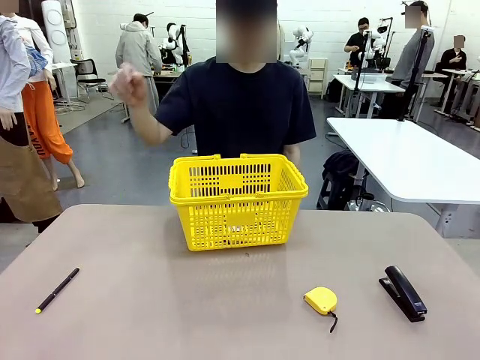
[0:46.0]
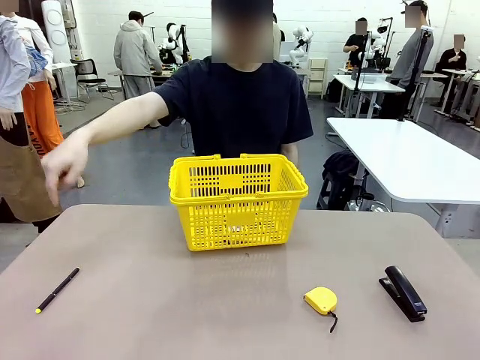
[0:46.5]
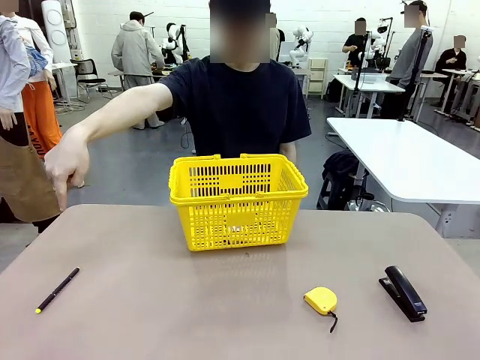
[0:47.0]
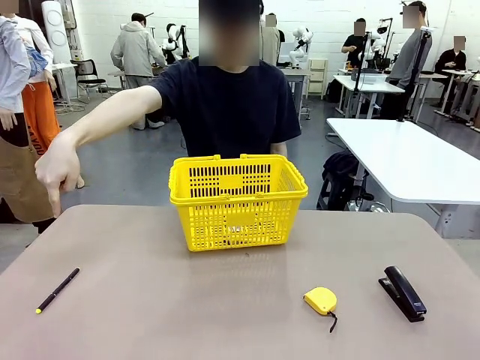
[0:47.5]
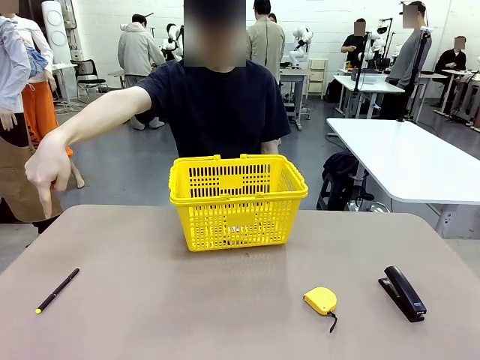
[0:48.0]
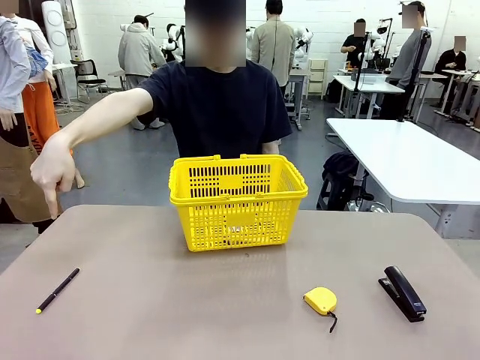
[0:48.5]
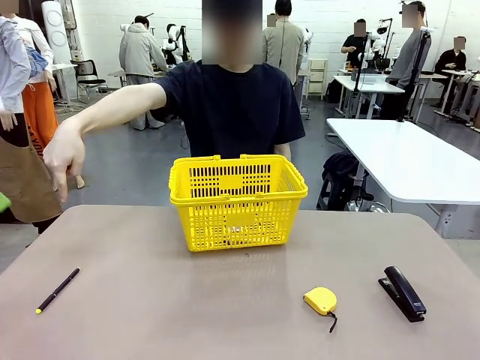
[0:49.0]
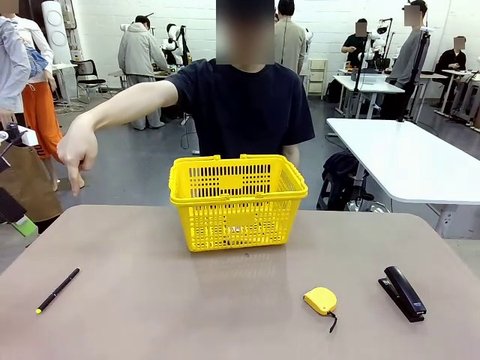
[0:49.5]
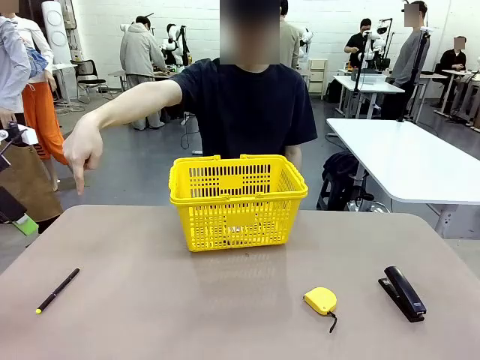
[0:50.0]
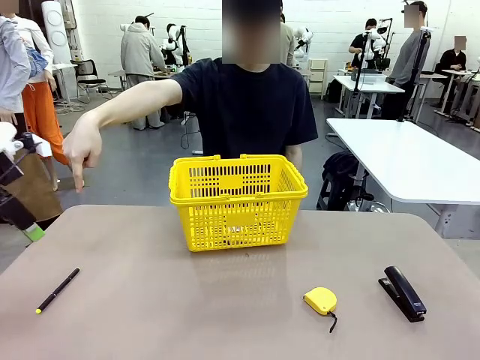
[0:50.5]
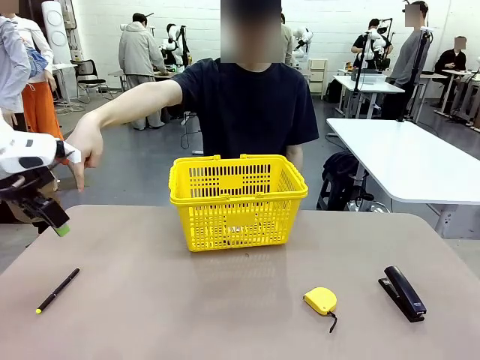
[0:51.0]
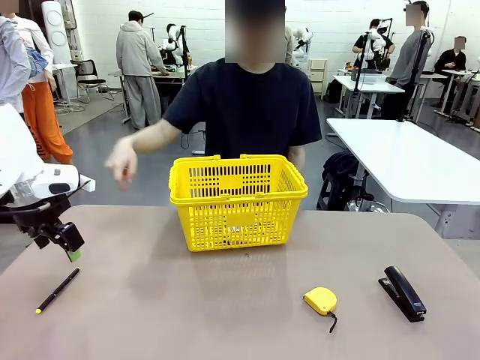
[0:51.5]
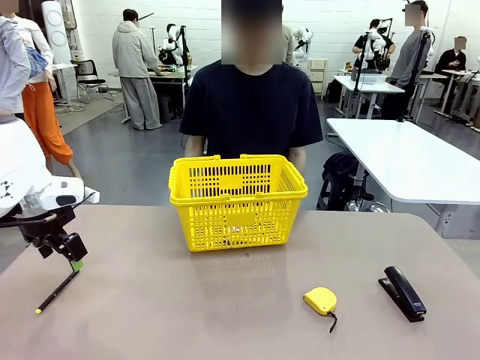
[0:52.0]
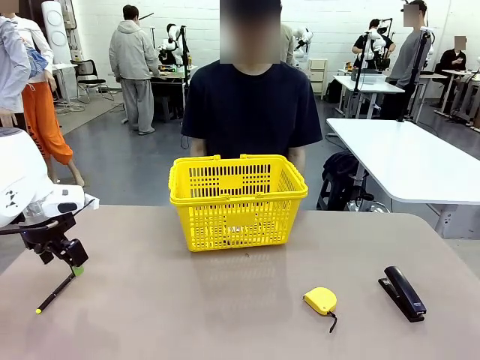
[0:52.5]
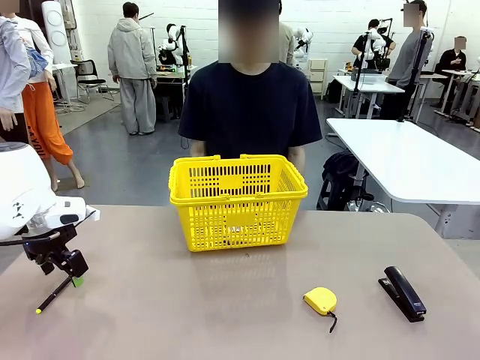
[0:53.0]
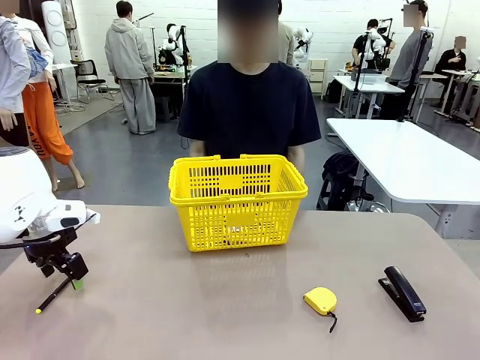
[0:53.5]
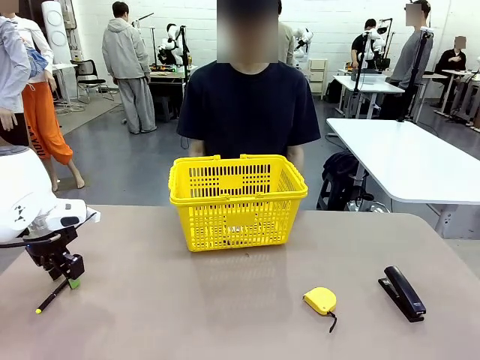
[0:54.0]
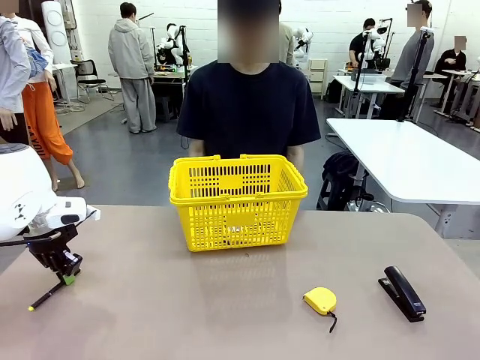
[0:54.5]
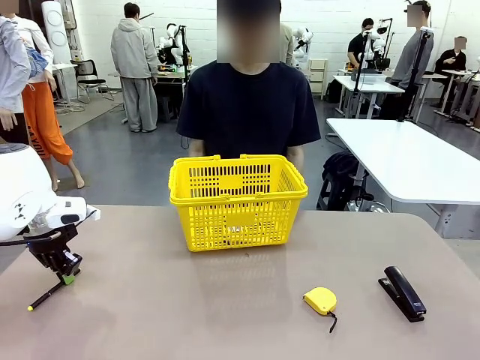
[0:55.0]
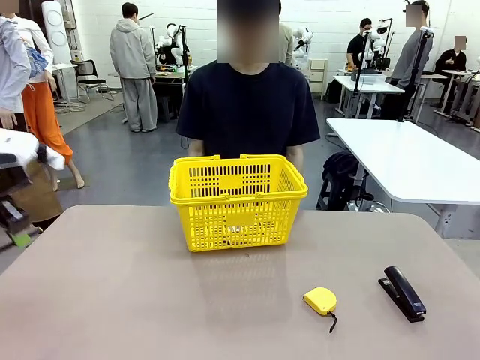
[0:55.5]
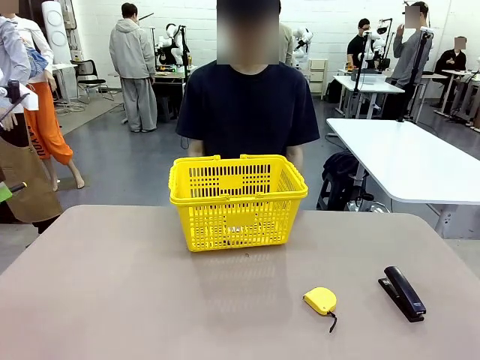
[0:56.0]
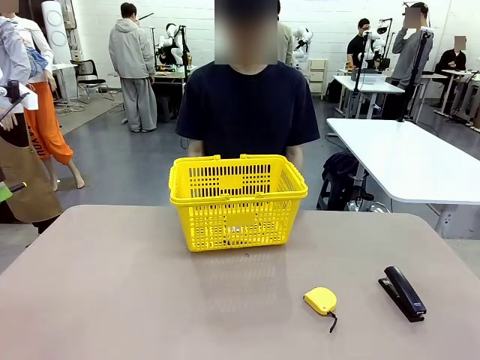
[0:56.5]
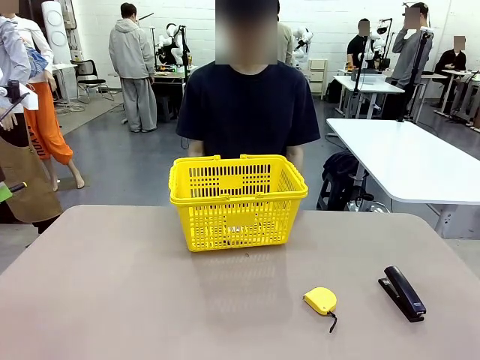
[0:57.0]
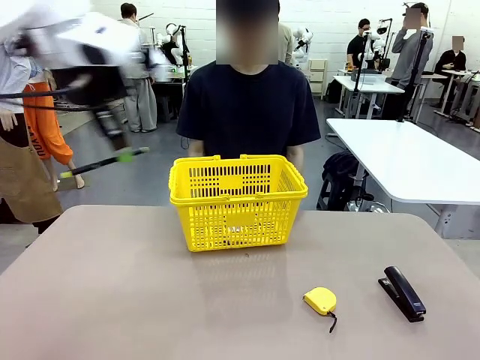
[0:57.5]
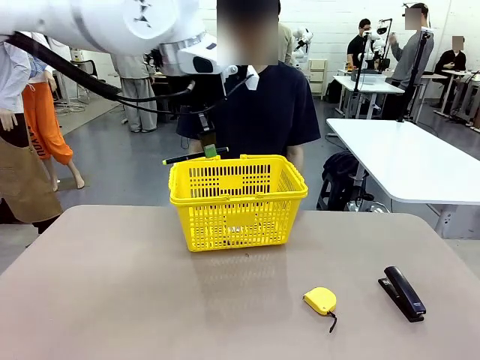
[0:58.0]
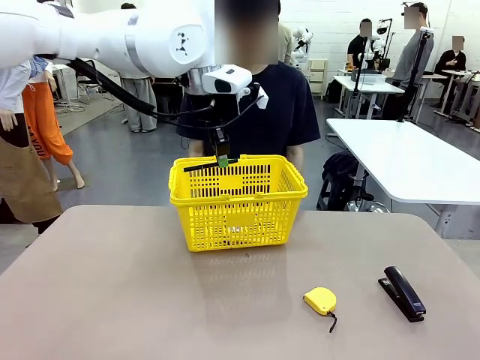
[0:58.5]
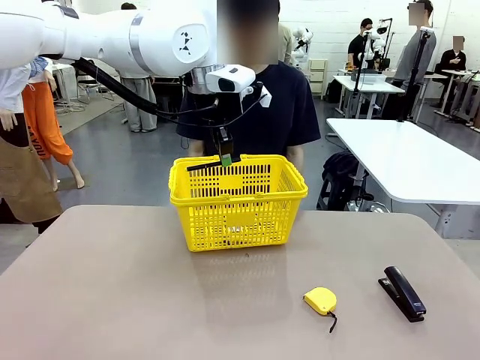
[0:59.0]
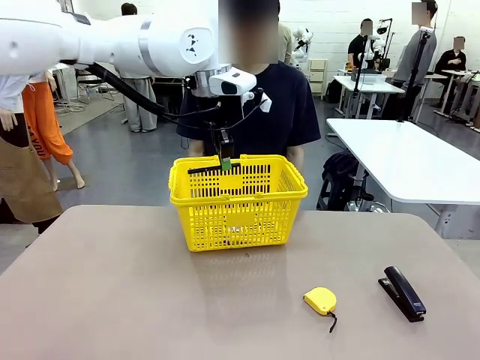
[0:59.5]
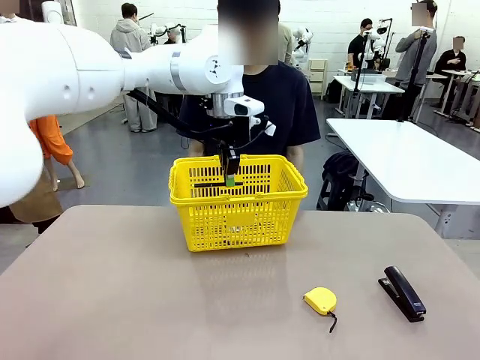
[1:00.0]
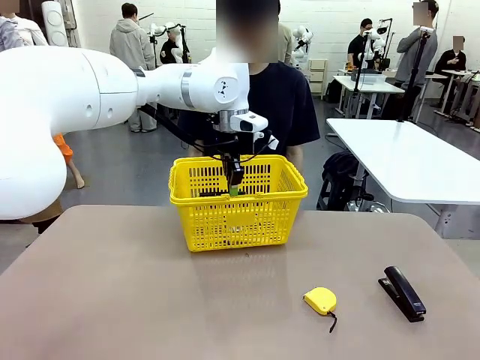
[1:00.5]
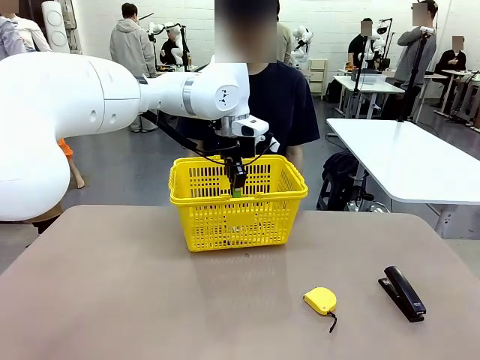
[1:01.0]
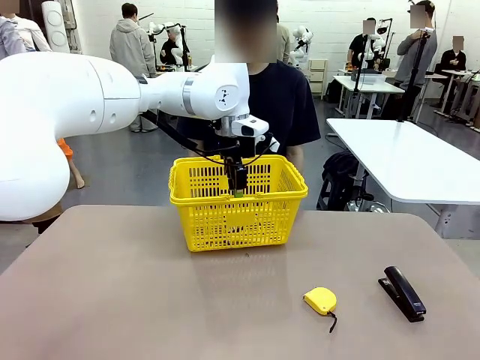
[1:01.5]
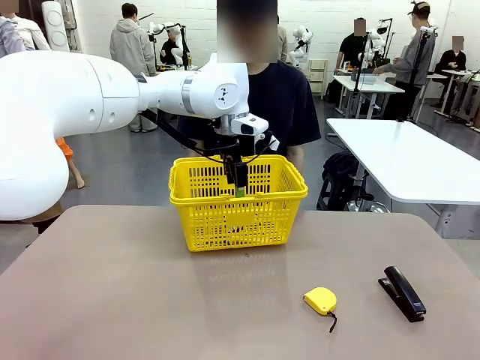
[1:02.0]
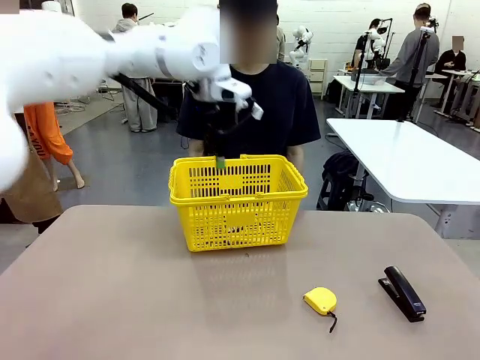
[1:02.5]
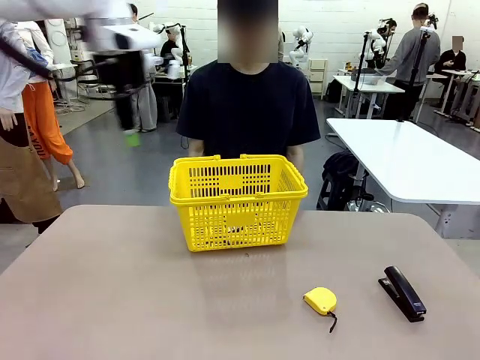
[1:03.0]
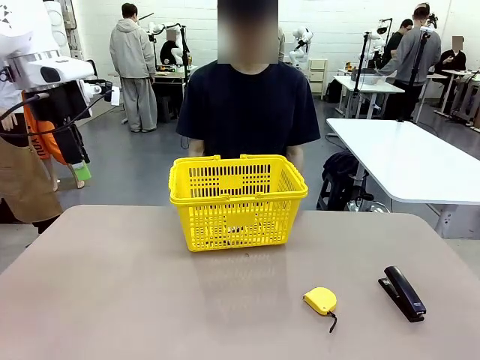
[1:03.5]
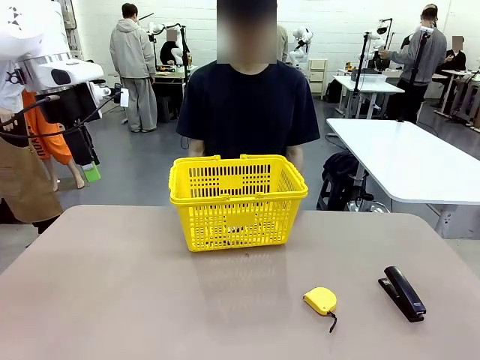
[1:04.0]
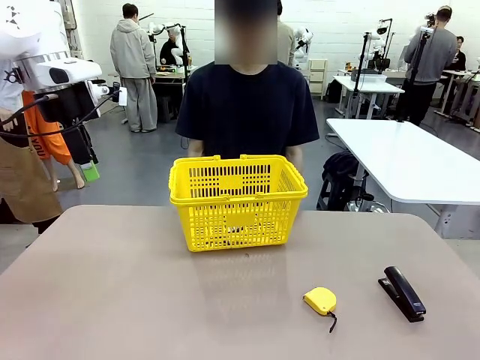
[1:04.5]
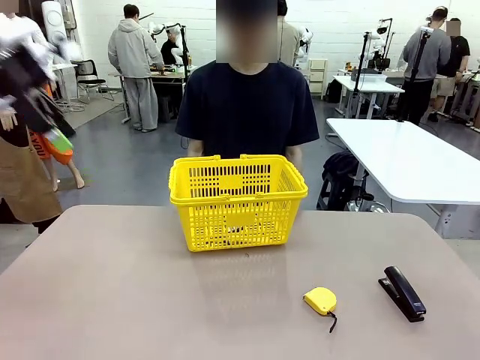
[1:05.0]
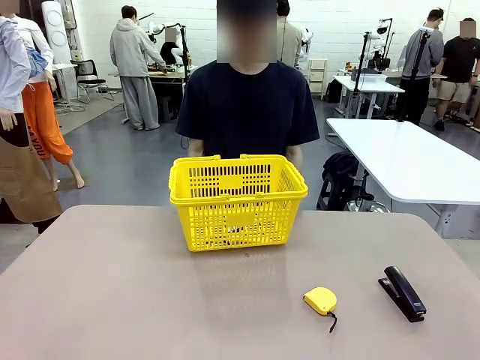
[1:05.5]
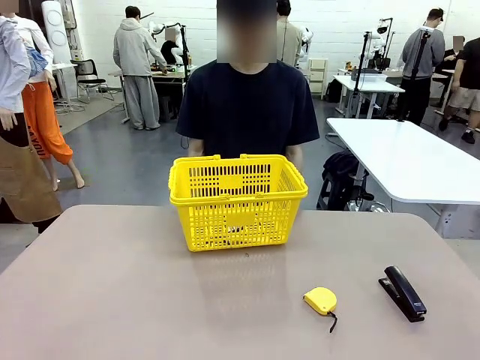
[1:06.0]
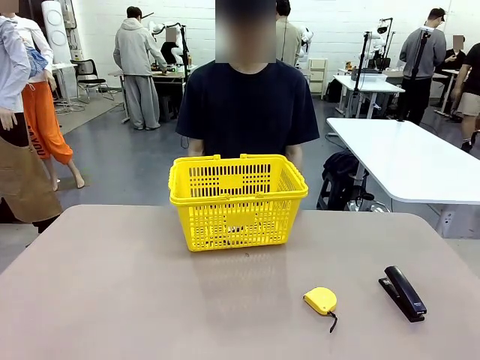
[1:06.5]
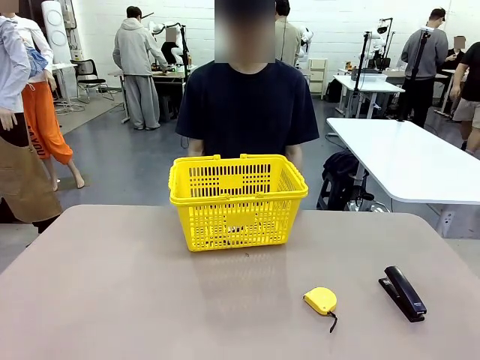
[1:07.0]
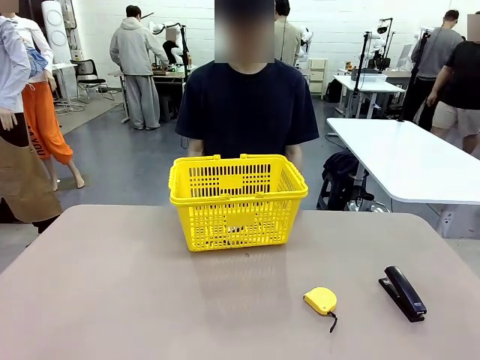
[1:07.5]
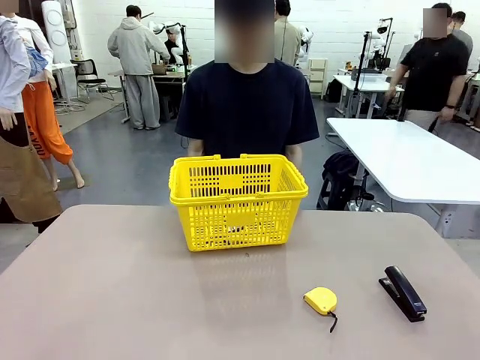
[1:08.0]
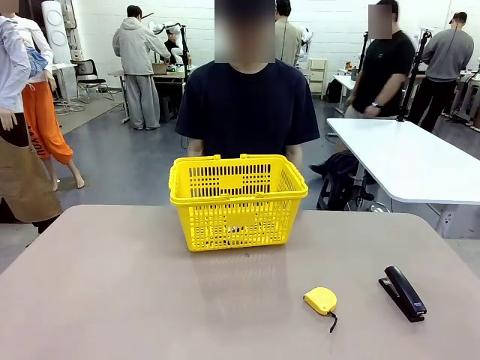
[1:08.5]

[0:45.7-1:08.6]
Task: Place the items the person wants into the basket.
Robot: Pick up the item the person points to and place it in the Market Basket.
